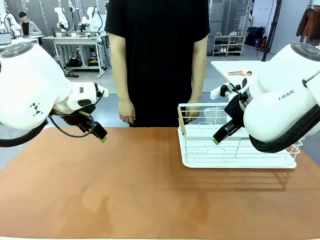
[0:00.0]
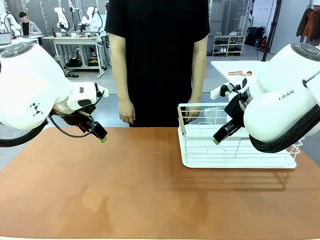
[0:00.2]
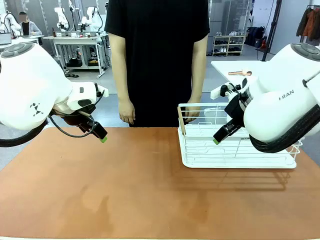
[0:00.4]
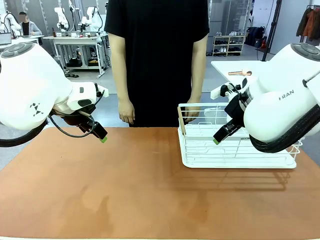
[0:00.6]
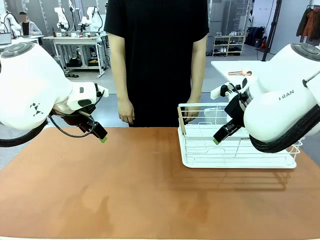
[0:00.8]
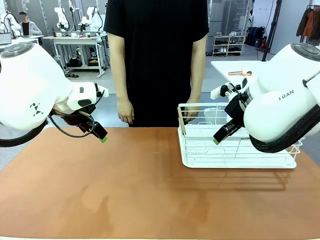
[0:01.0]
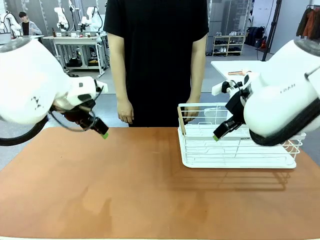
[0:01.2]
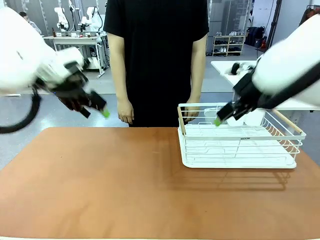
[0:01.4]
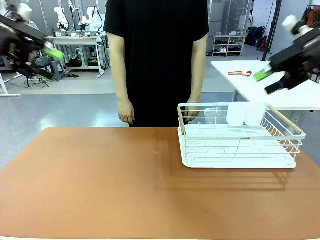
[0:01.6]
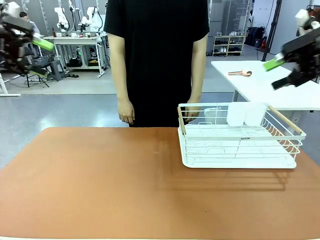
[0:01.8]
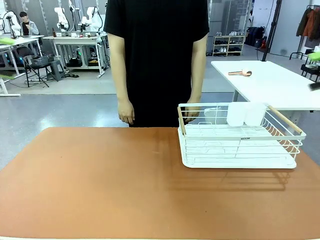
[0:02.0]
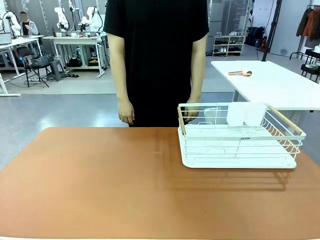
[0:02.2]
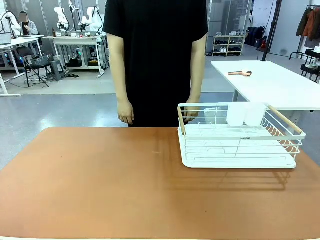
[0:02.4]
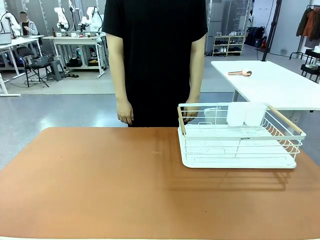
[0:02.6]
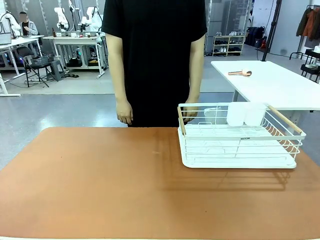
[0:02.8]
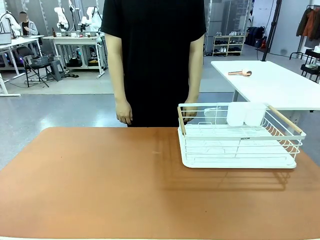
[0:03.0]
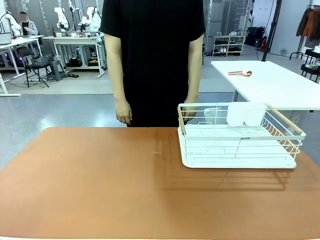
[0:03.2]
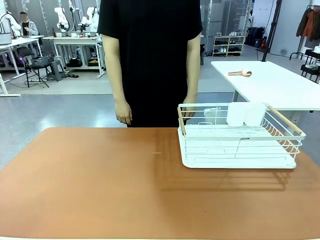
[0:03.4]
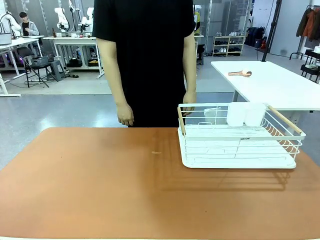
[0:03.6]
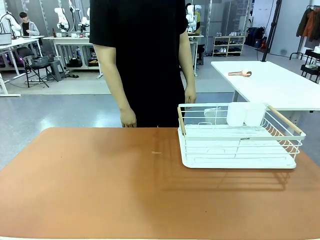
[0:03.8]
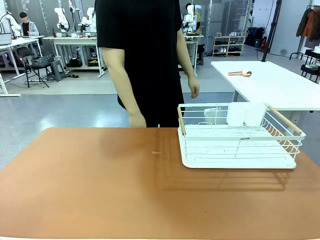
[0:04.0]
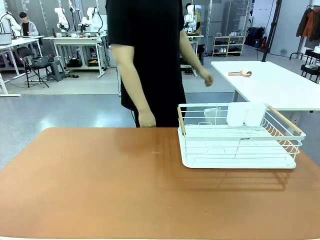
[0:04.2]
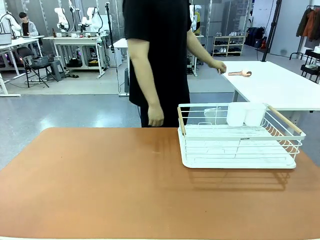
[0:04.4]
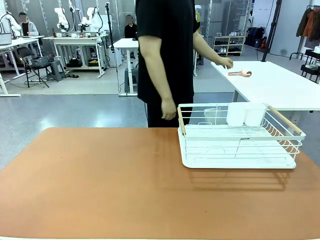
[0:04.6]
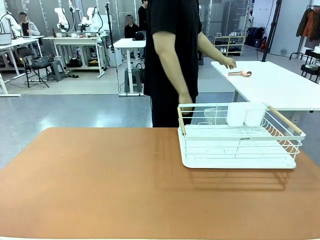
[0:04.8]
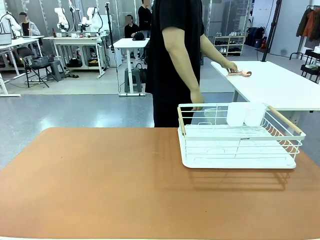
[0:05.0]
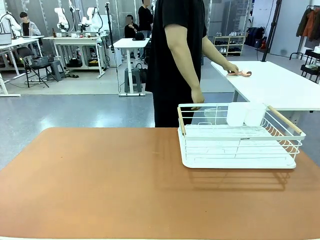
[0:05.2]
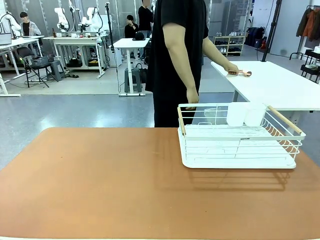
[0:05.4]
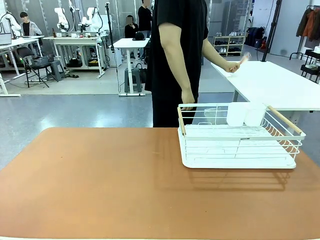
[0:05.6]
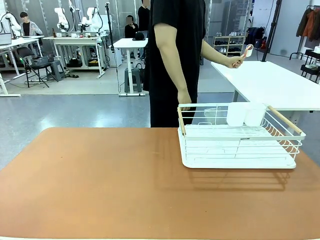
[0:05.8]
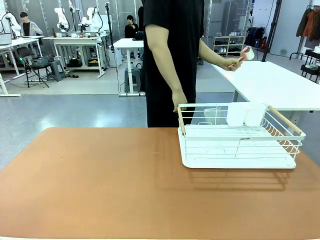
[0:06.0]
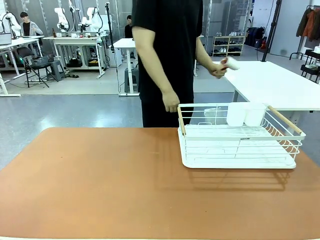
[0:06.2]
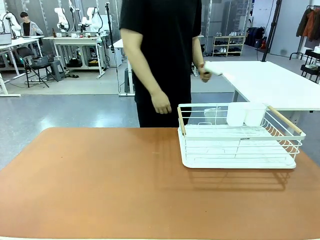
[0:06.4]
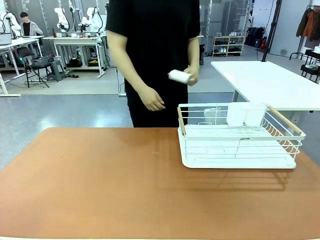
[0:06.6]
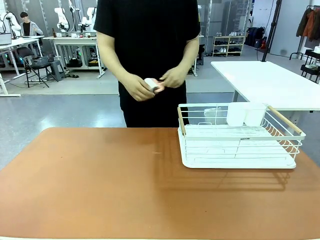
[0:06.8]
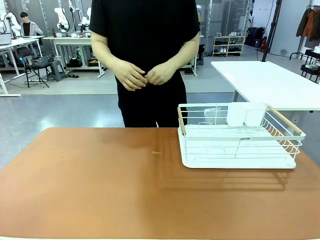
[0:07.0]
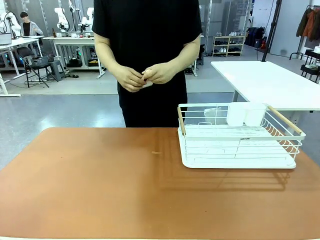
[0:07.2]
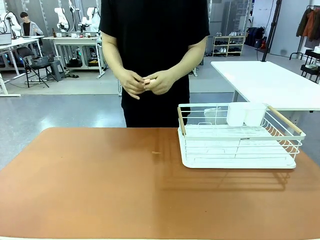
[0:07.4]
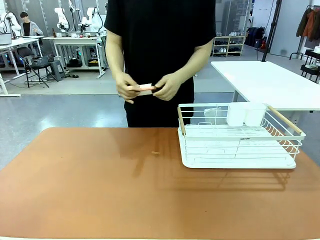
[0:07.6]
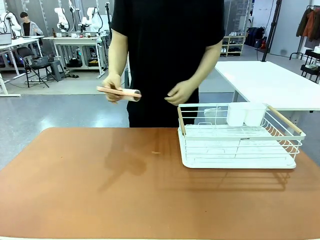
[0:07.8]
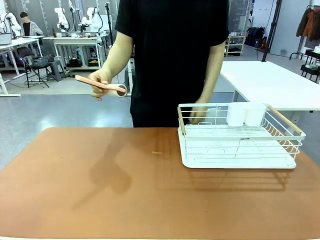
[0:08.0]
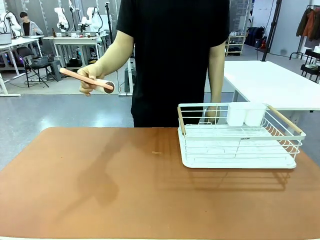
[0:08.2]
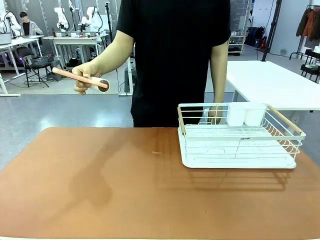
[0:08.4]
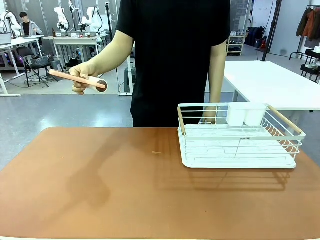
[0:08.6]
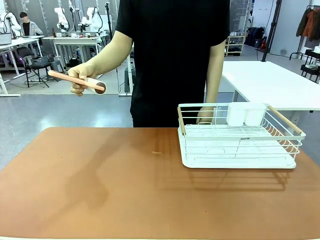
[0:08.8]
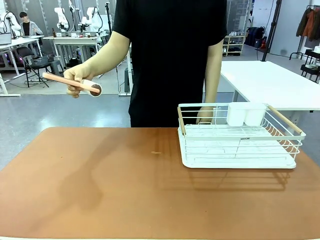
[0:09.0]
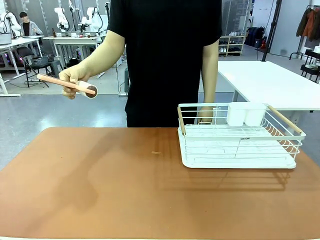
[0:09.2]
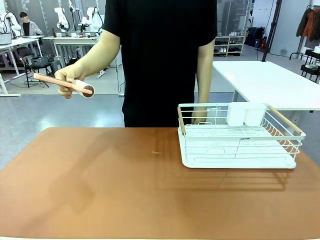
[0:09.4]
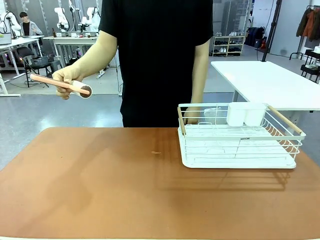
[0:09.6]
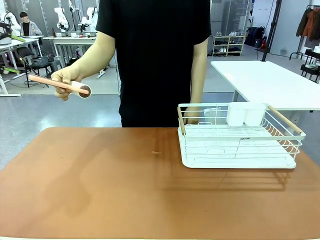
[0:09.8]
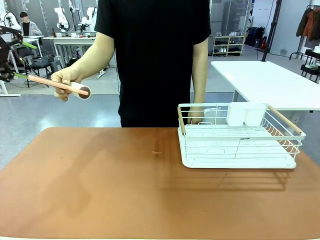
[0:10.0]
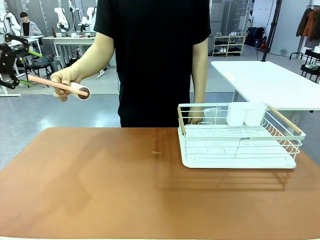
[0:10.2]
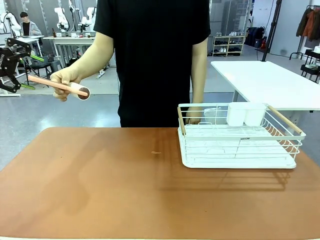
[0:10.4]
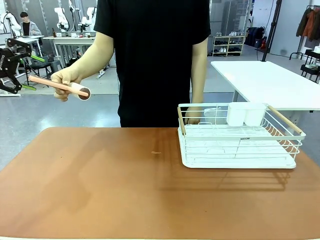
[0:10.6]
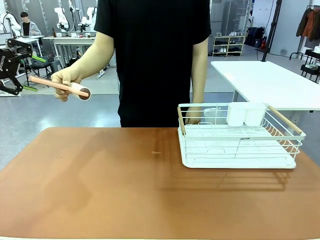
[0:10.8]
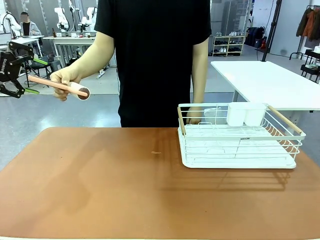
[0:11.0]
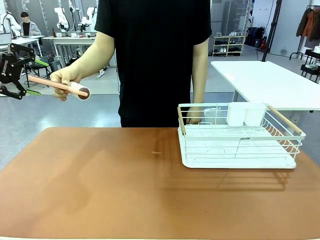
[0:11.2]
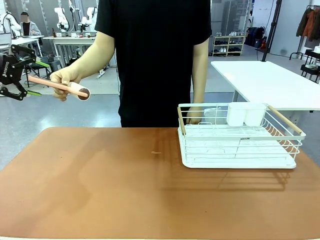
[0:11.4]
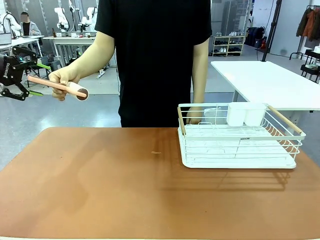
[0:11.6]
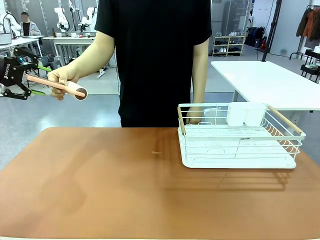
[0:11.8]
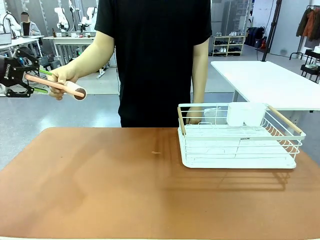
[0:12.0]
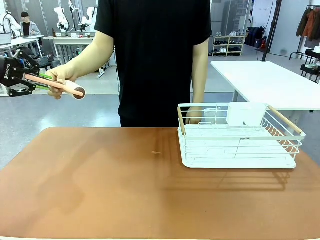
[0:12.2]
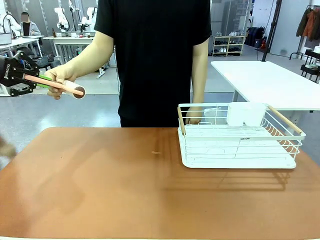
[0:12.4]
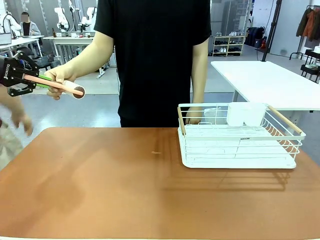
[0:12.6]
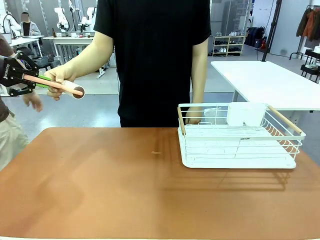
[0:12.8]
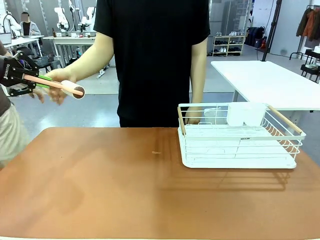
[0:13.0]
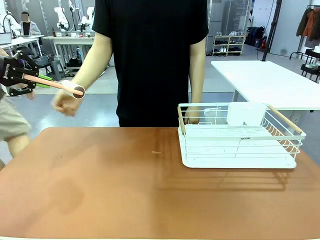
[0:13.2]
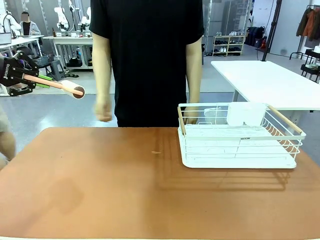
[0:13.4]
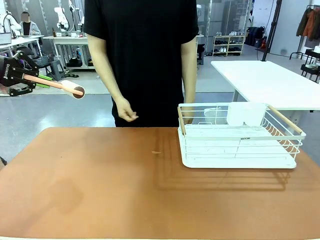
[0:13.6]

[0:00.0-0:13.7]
Task: Clean the table.
Robot: Pick up the Lint Roller when the human hands it over.
Person: Hand the Lint Roller to the robot so it can easily pick it up. Lift the Dish drying rack.
